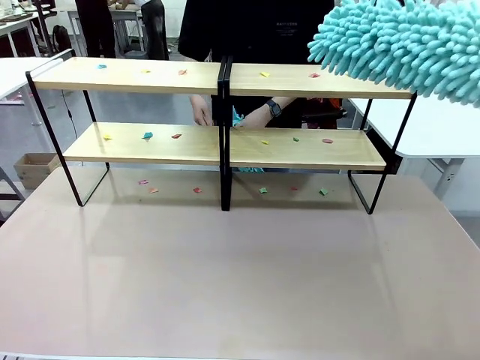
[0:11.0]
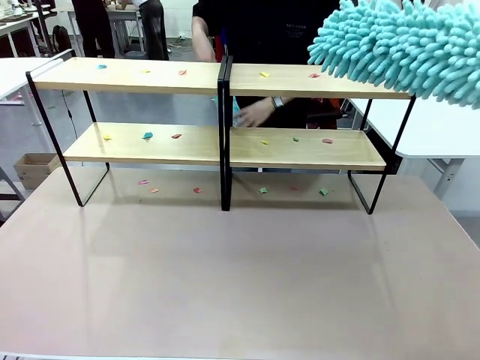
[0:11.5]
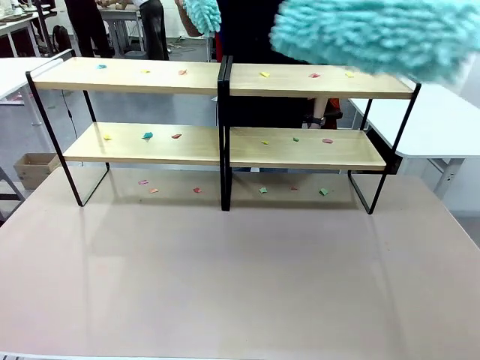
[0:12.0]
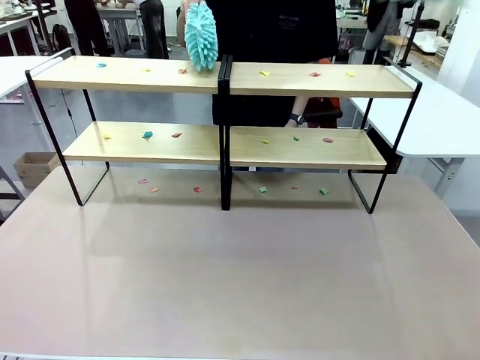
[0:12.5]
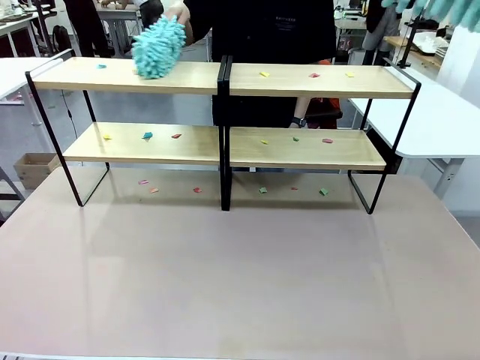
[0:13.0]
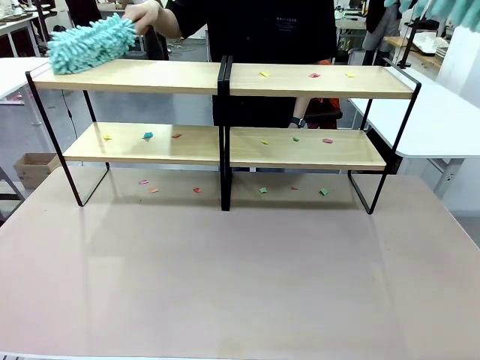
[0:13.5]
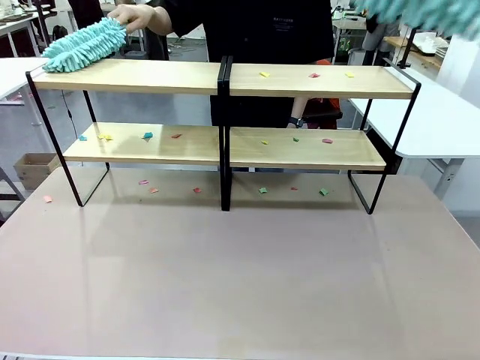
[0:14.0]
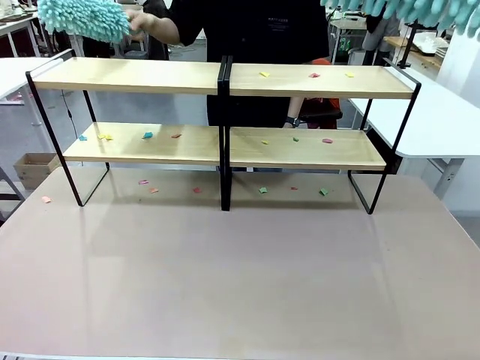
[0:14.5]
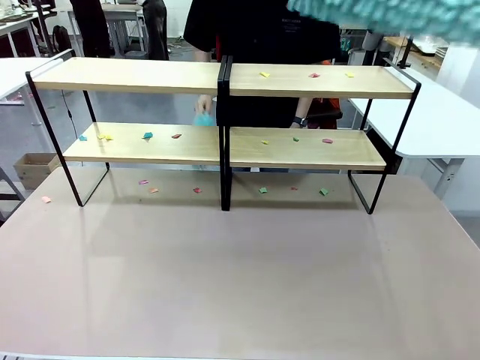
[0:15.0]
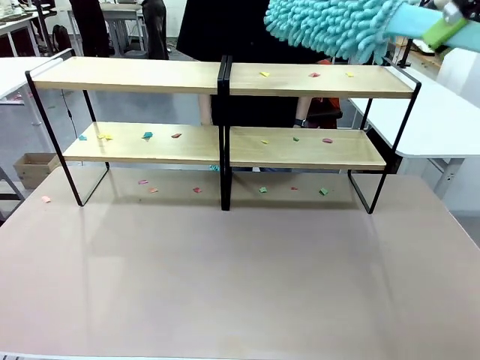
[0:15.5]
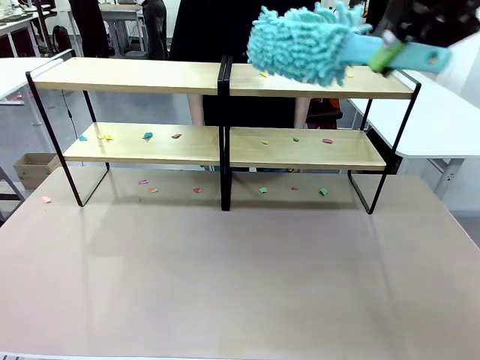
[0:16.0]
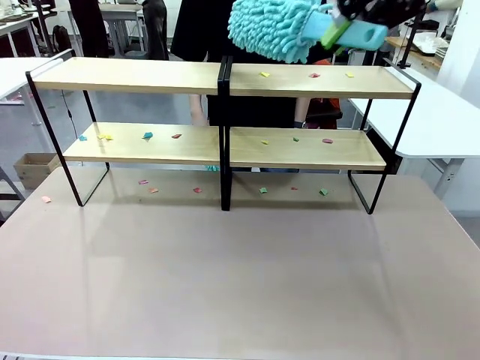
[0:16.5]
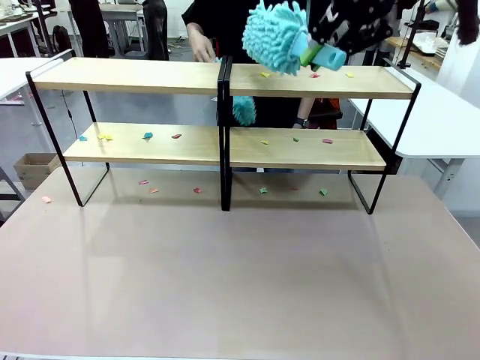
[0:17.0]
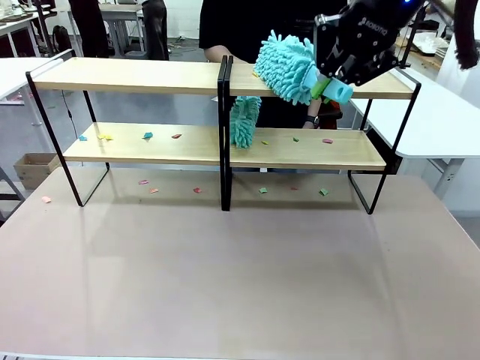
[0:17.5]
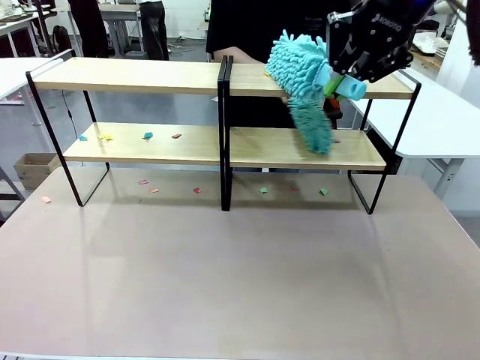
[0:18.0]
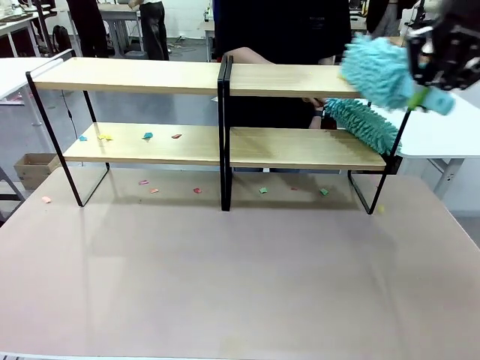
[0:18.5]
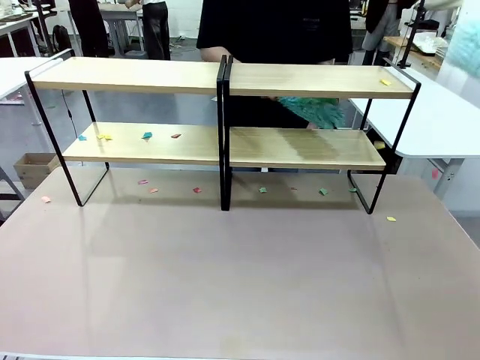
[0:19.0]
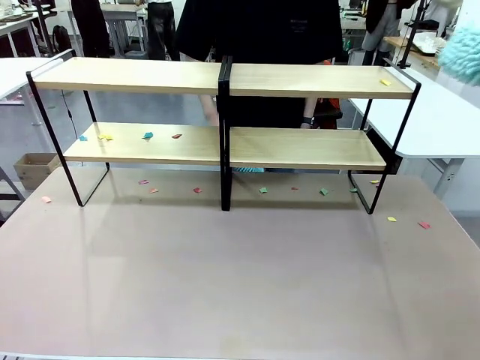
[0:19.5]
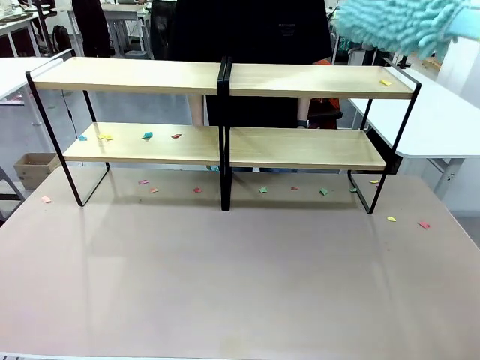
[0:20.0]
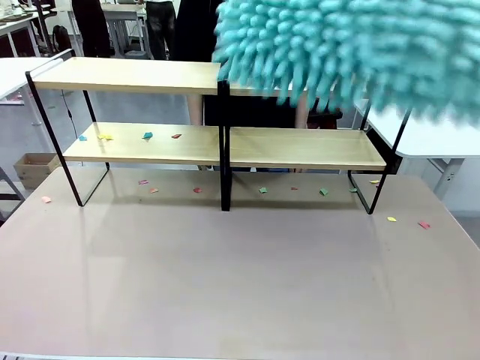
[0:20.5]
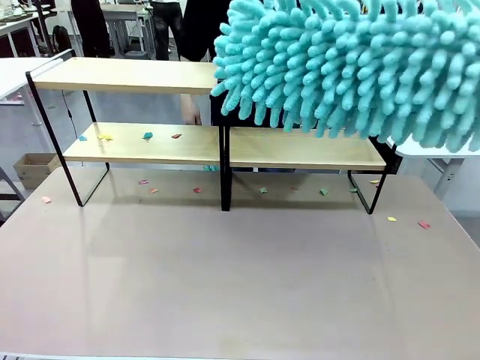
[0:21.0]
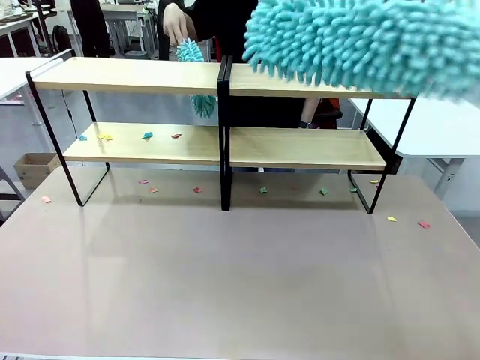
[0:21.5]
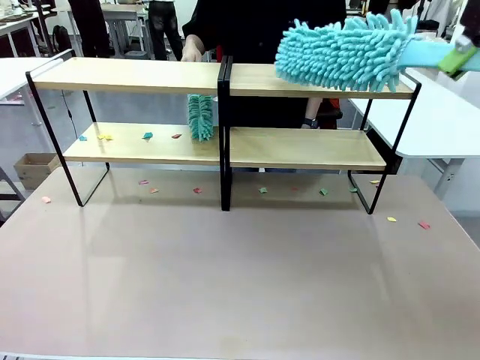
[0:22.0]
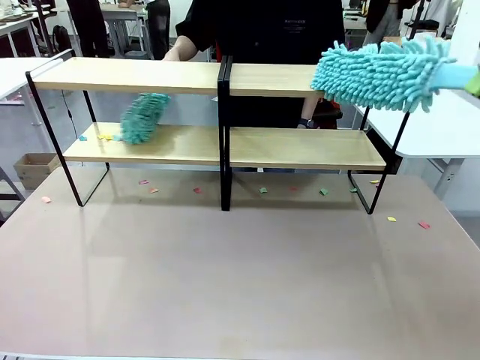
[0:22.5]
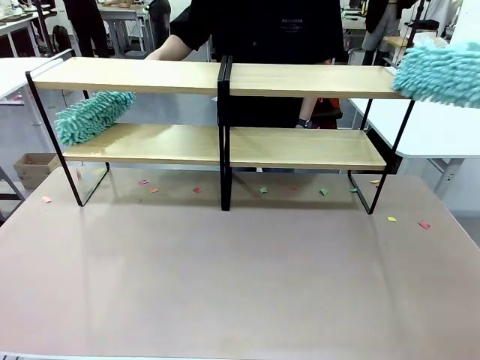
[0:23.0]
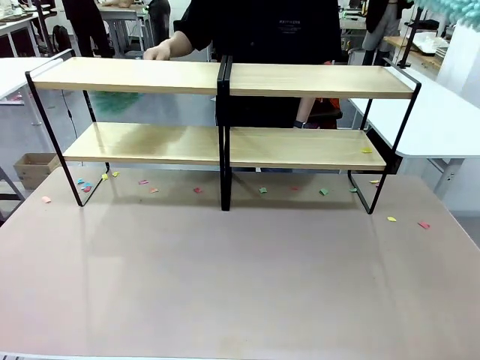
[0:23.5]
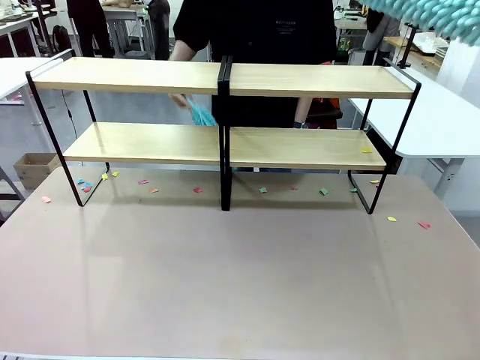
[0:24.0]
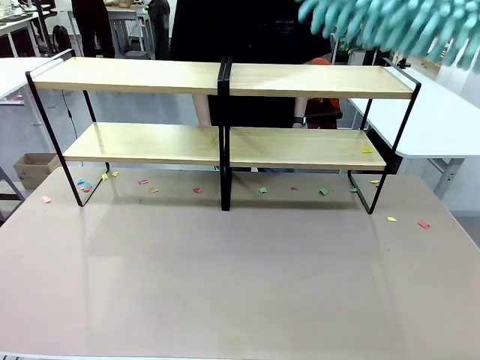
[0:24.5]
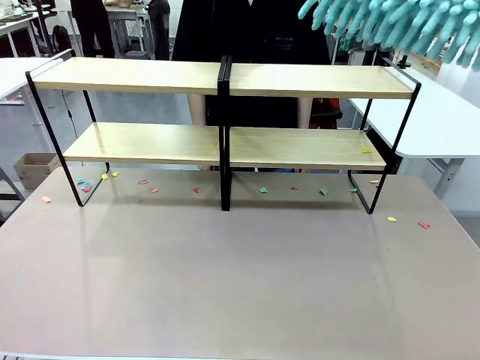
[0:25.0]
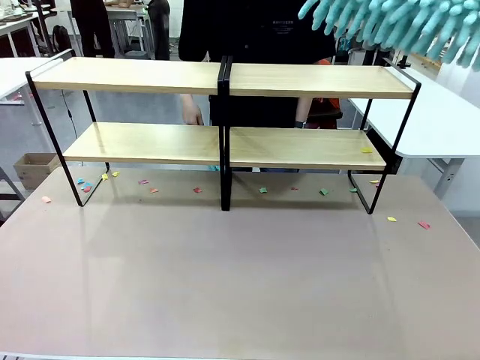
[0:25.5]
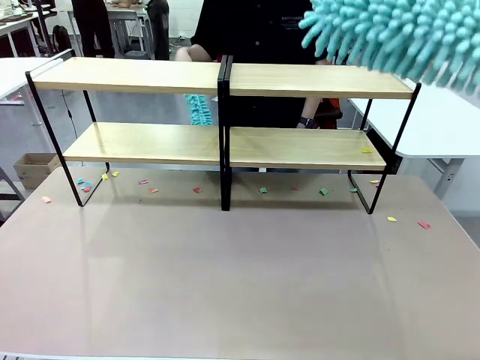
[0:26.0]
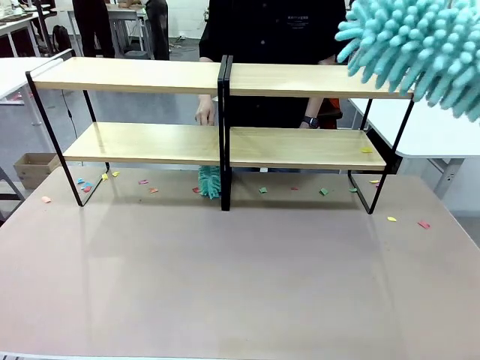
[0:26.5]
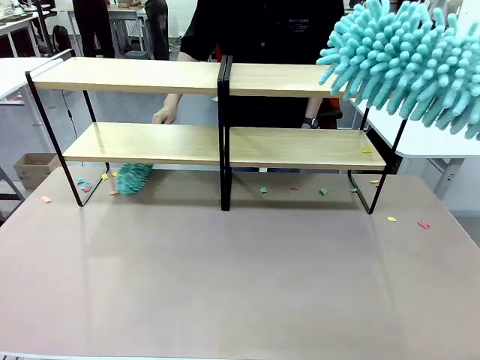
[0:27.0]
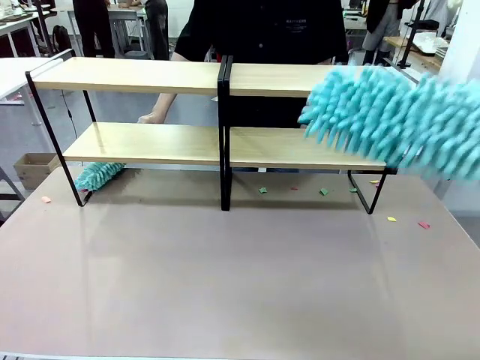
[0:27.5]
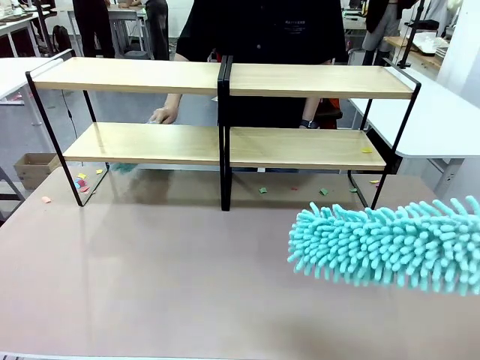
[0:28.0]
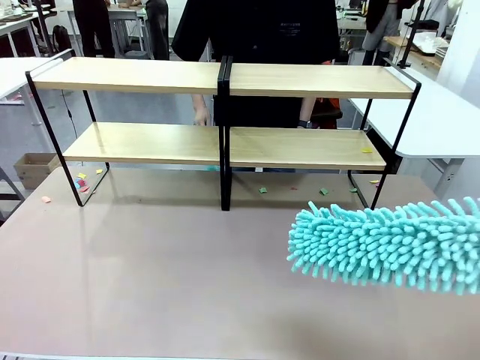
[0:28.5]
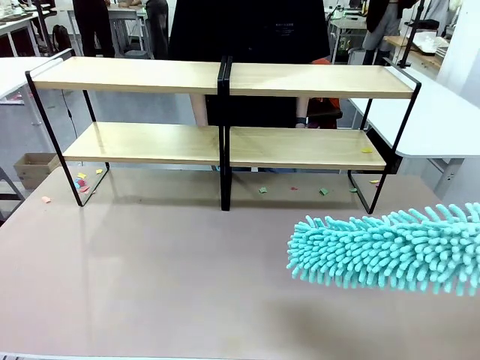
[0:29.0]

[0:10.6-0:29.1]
Task: Clean the shelves.
Robot: Clean a randomly selected level of the Shelf with the Duster.

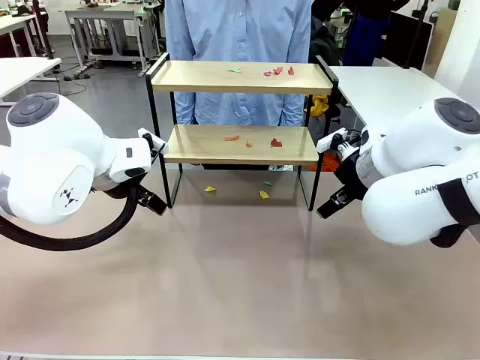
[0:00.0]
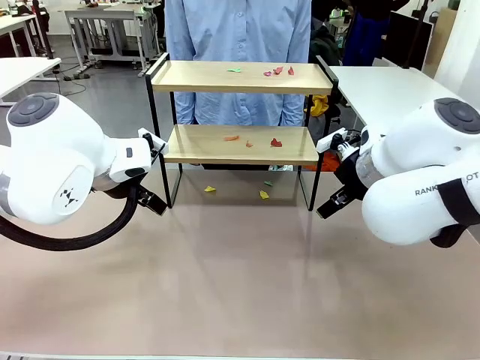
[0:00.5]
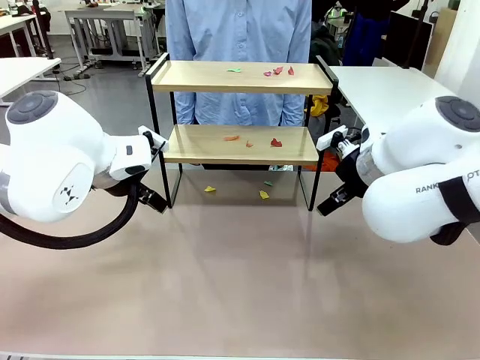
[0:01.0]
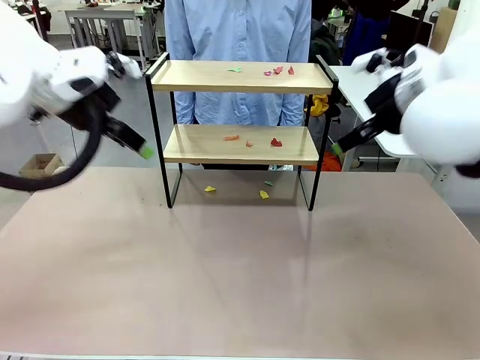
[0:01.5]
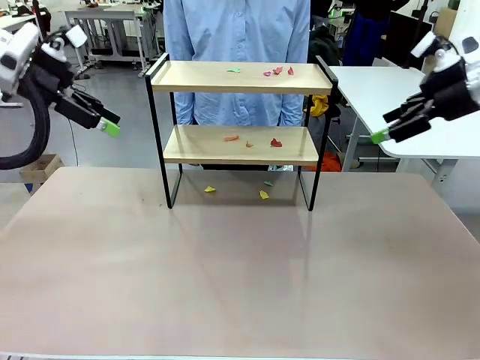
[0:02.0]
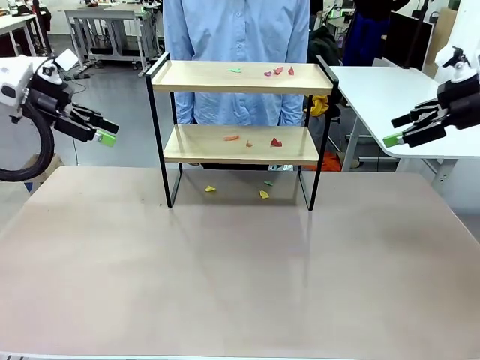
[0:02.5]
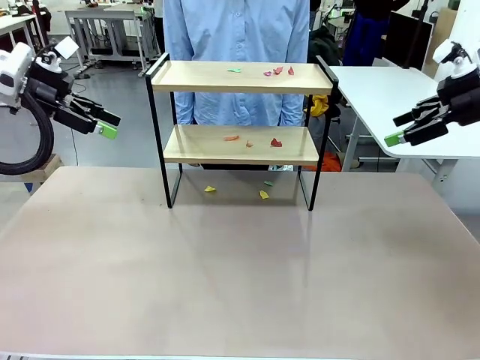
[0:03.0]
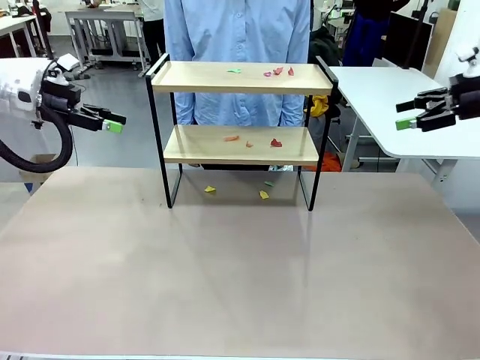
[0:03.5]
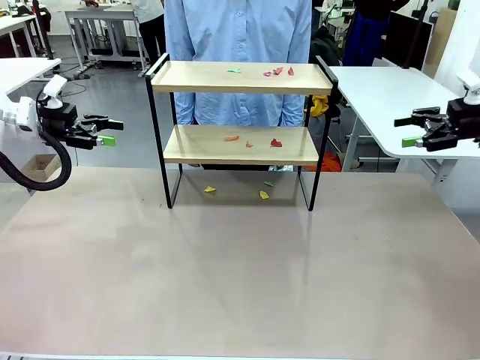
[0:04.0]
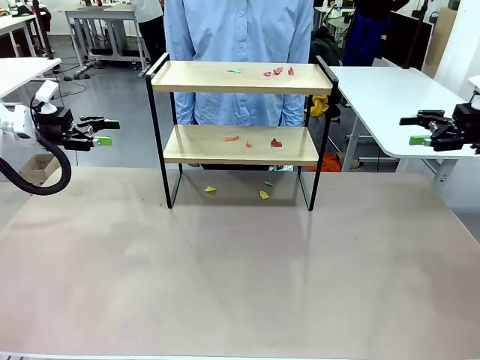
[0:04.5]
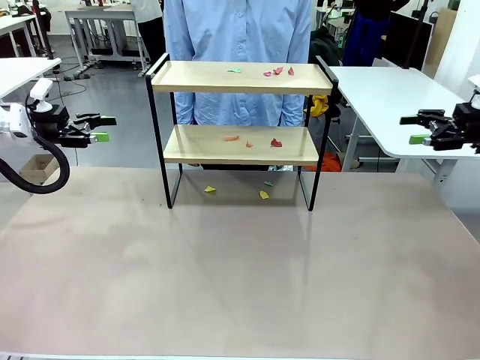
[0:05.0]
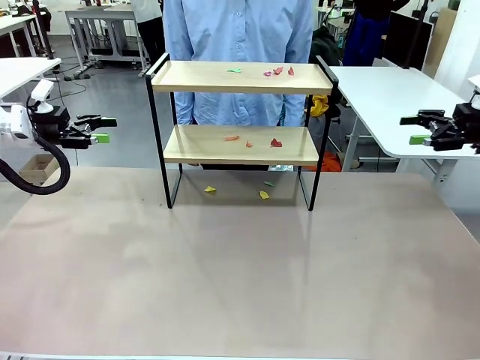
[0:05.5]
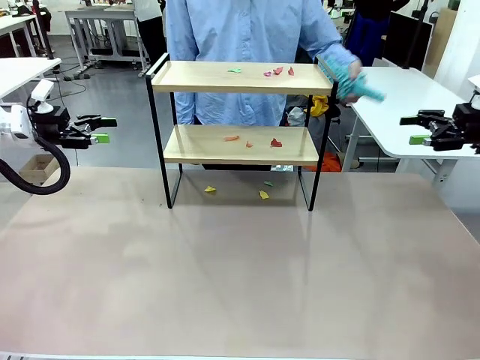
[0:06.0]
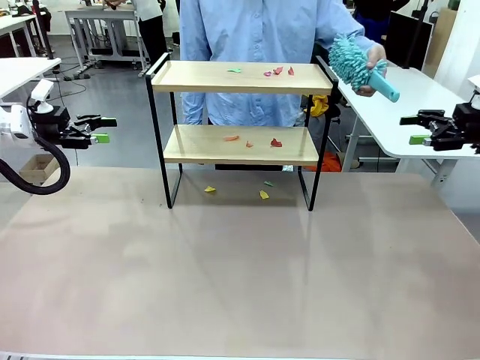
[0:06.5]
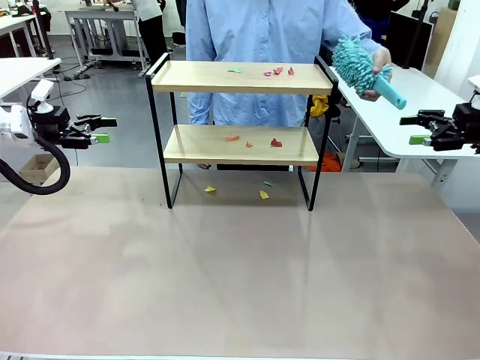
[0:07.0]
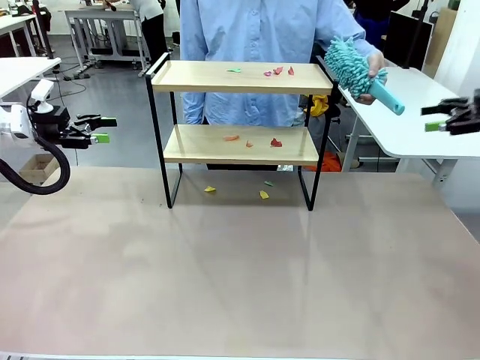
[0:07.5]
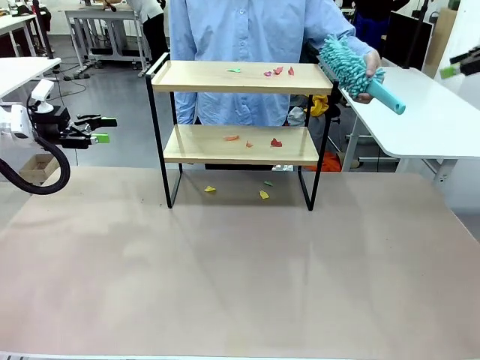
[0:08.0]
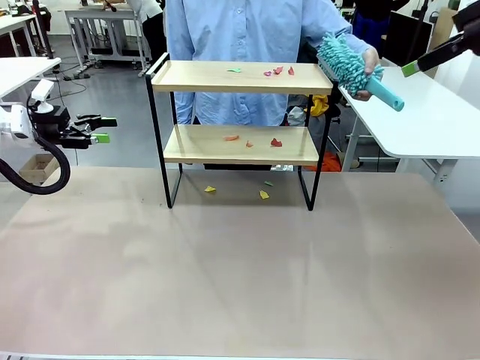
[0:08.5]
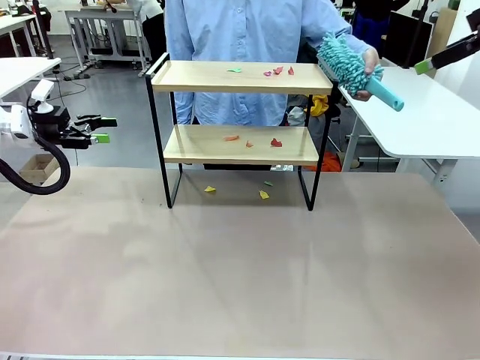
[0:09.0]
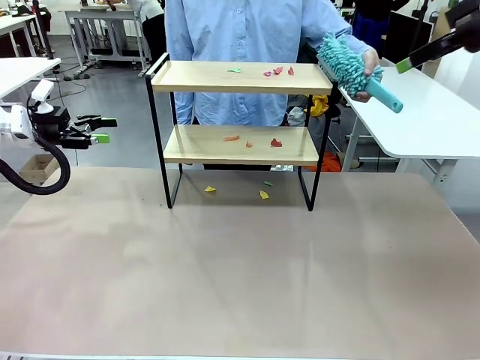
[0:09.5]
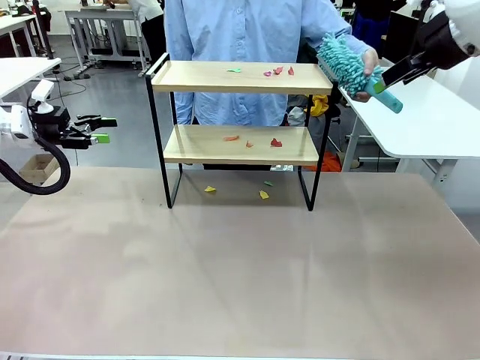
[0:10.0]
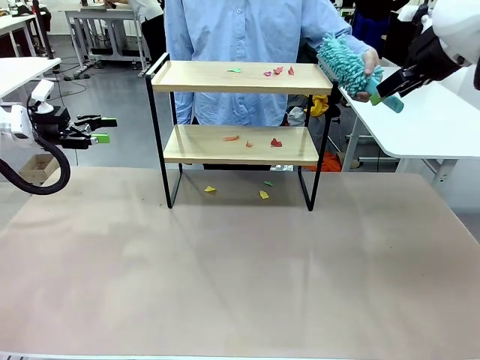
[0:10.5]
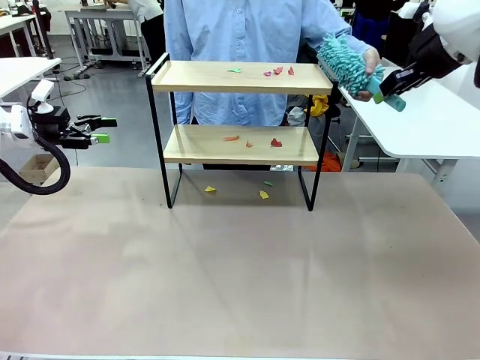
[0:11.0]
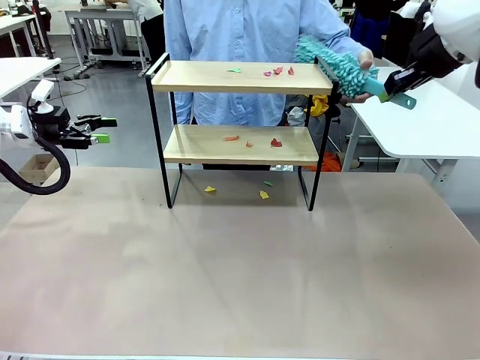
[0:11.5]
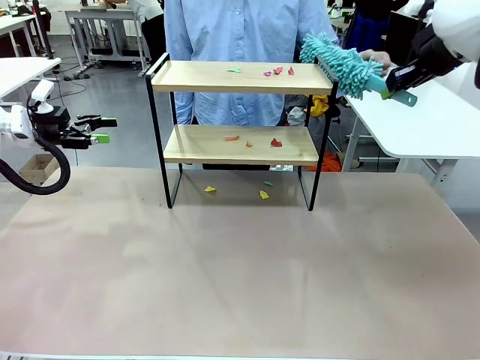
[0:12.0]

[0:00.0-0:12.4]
Task: Clean the shelf.
Robot: Pick up the Duster handed by the human.
Person: Hand the Duster to the robot.
